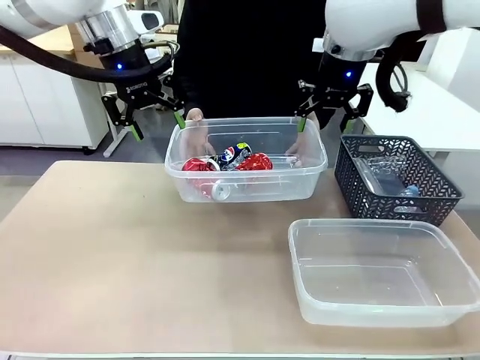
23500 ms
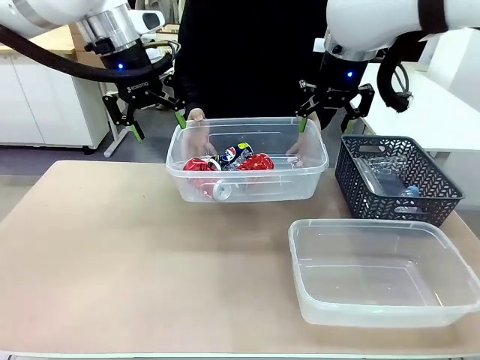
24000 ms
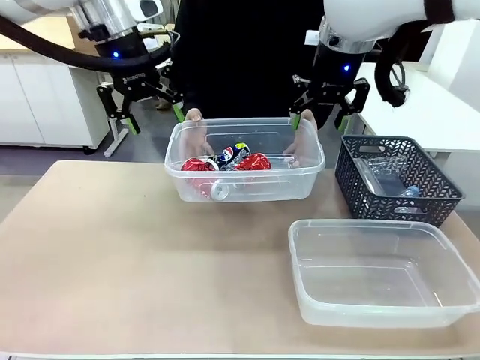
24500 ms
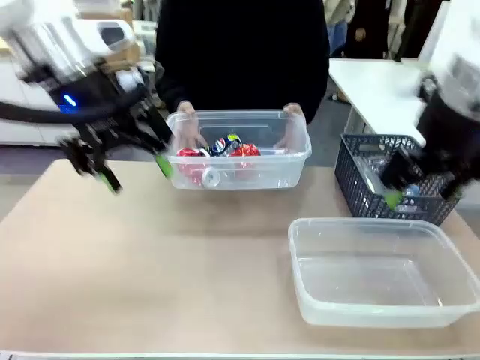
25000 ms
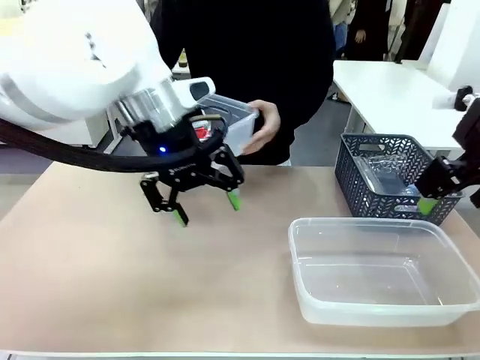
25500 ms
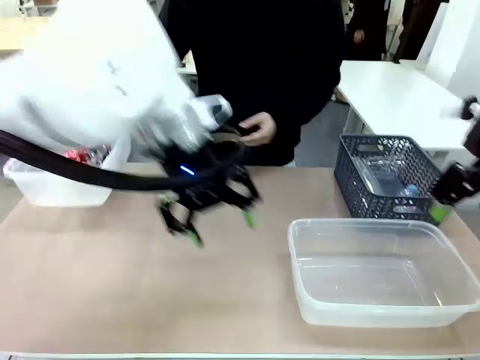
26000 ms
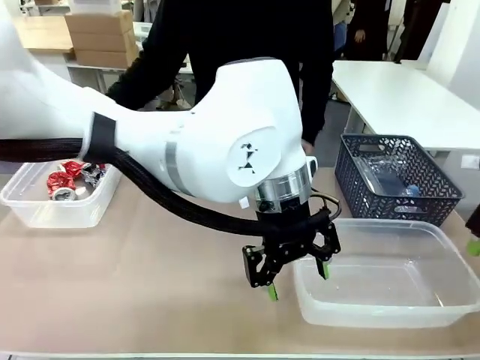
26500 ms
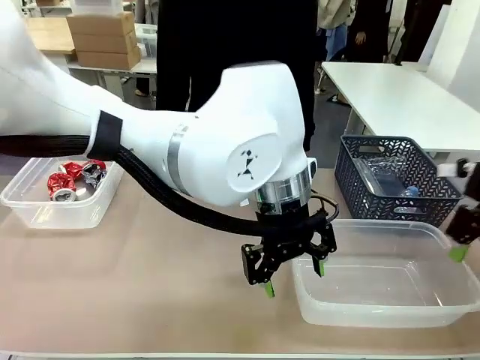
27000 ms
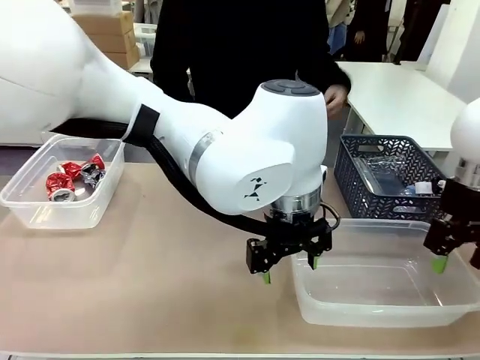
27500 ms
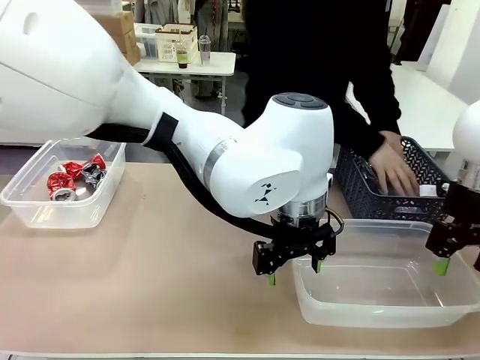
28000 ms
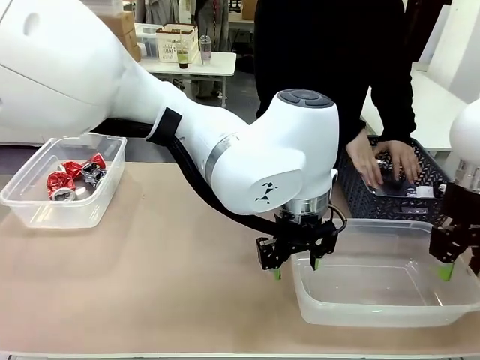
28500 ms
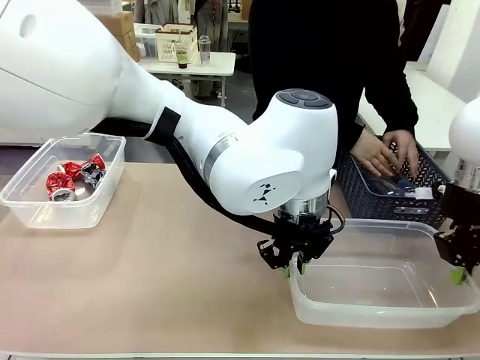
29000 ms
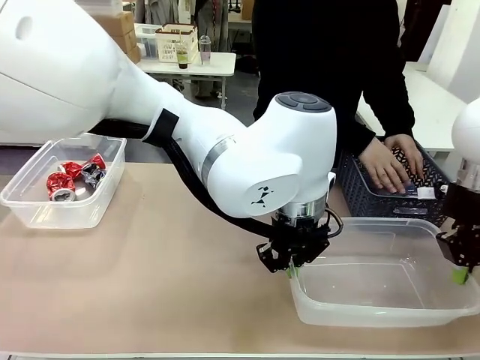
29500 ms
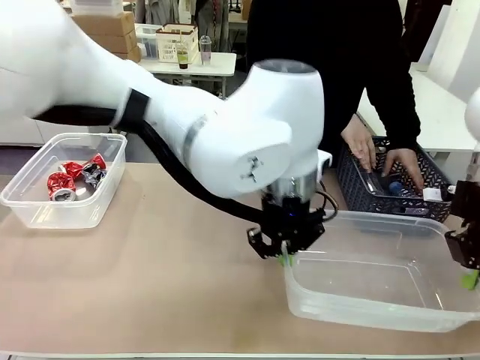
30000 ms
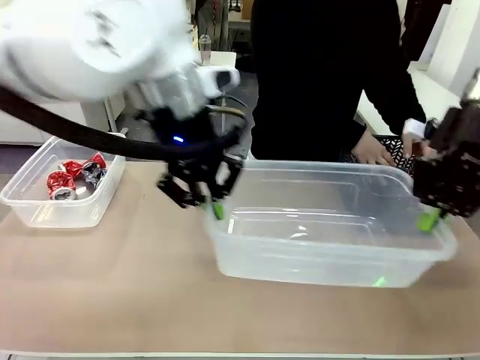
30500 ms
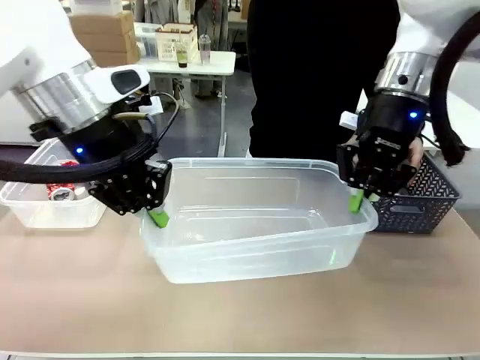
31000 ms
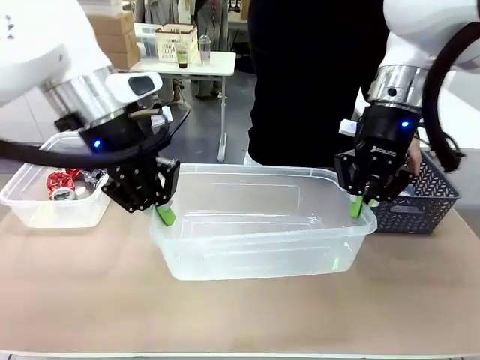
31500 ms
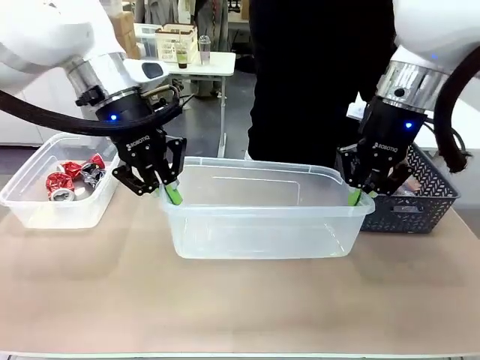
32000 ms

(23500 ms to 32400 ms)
Robot: Pick up the Organizing box on the right side of the table and lift it.
Person: Place it at the edge of the bottom right area of the robot table. Pick up plastic waste one by one and place it into the organizing box lifted by the robot.

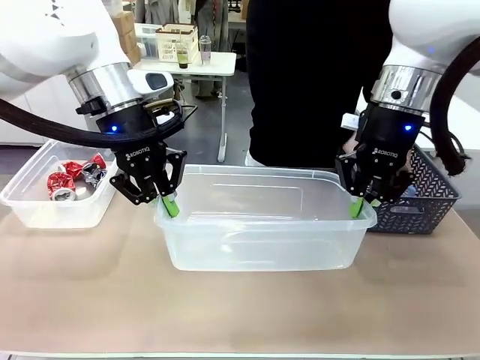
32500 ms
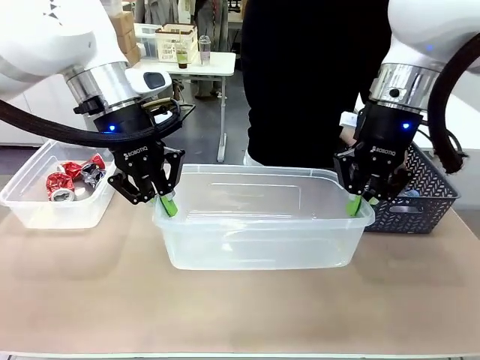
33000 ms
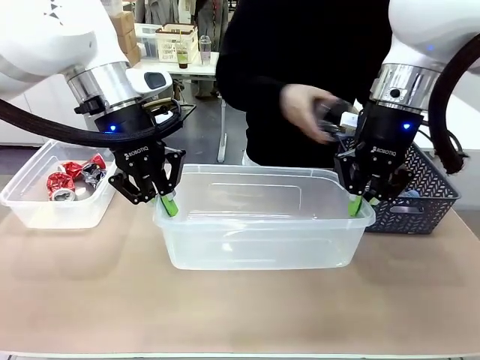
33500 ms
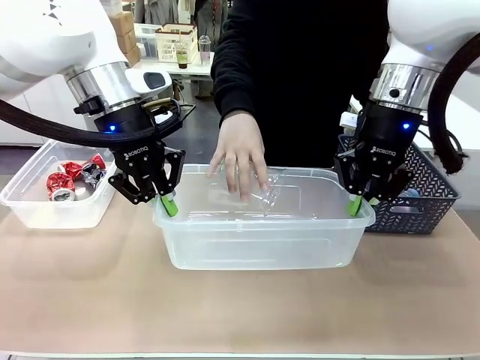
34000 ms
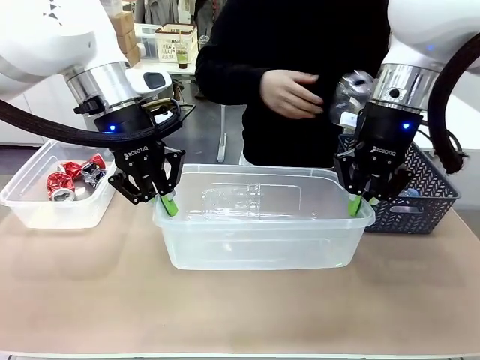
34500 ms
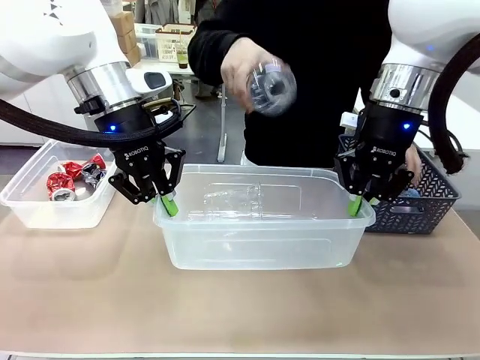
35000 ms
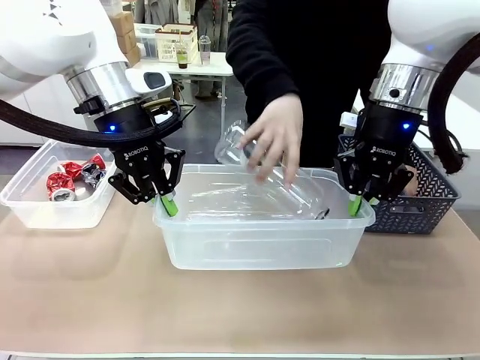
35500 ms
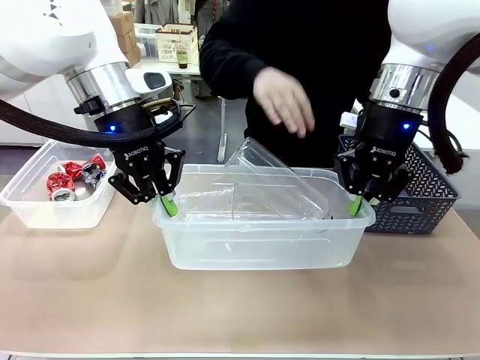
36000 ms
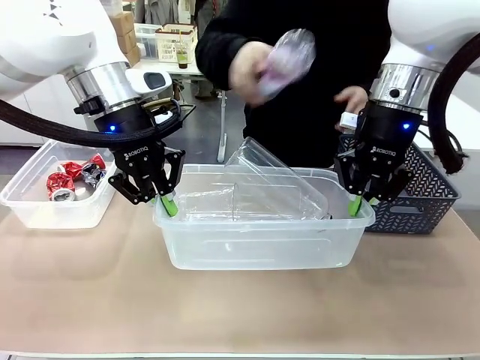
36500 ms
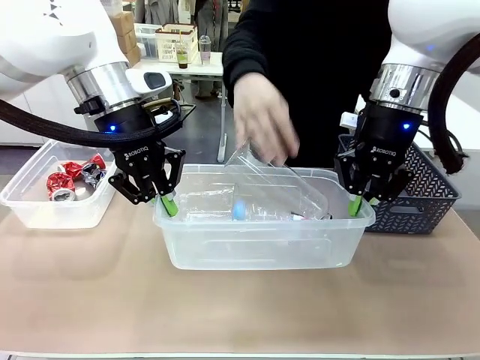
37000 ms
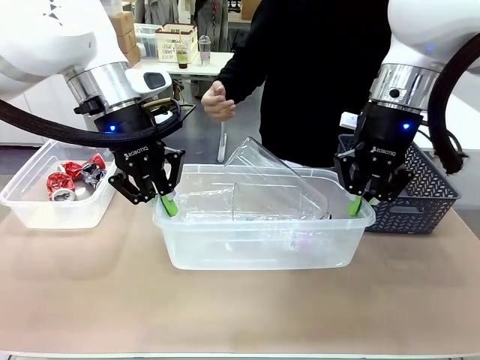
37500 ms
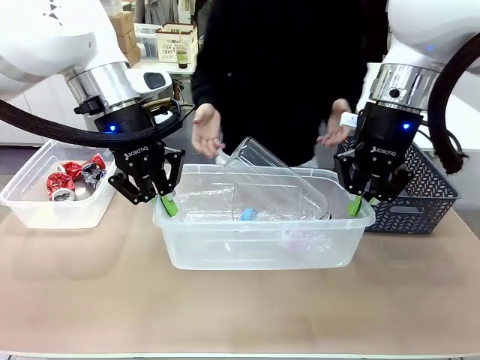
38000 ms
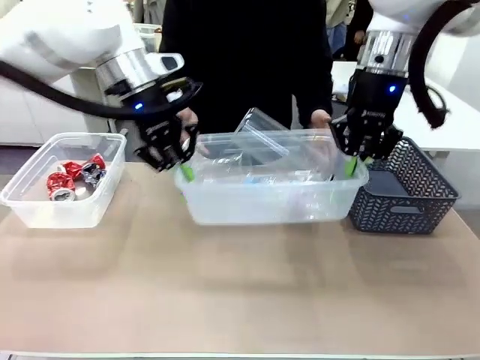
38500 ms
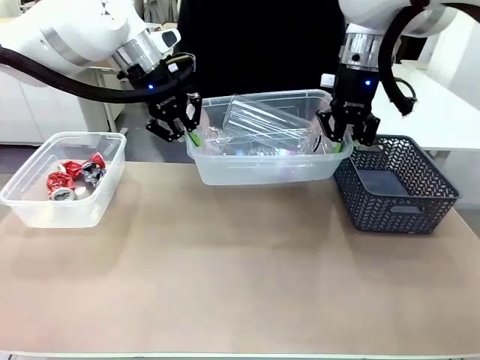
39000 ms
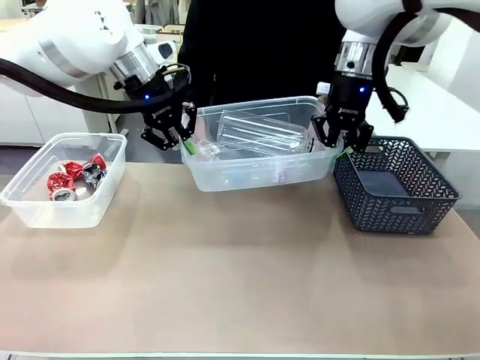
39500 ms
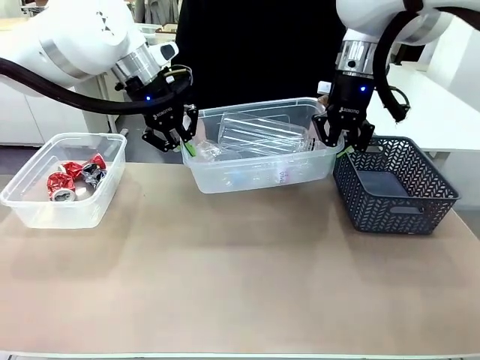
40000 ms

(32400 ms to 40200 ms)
Robot: Offer the picked Organizing box to the human.

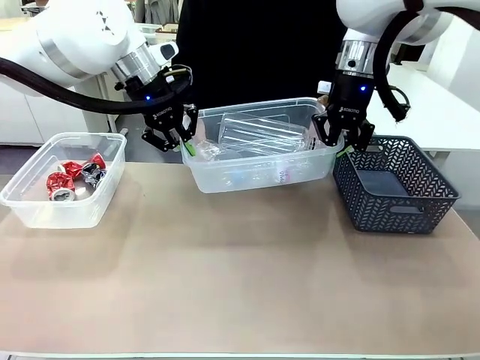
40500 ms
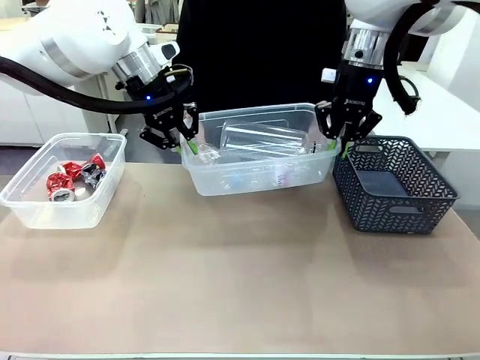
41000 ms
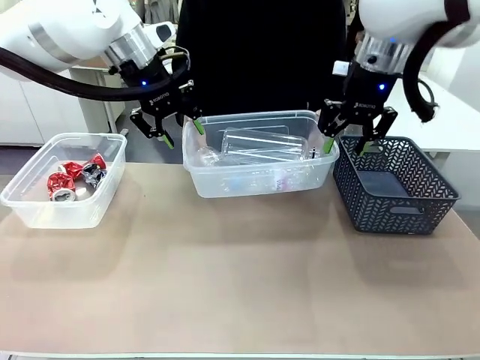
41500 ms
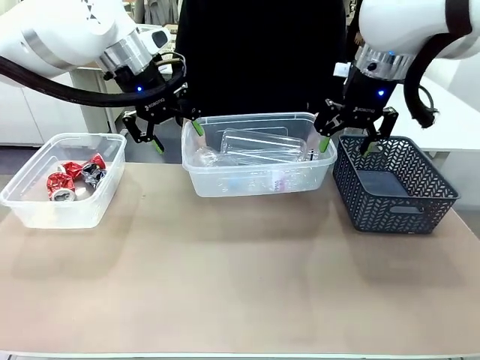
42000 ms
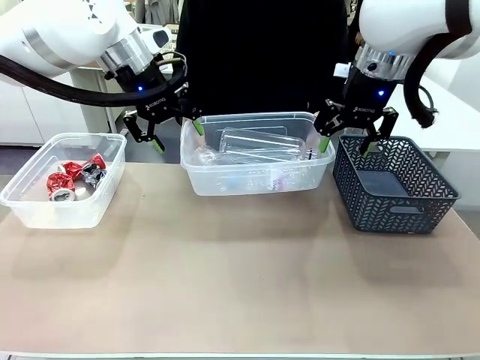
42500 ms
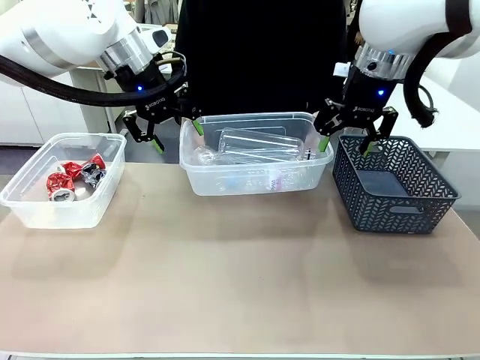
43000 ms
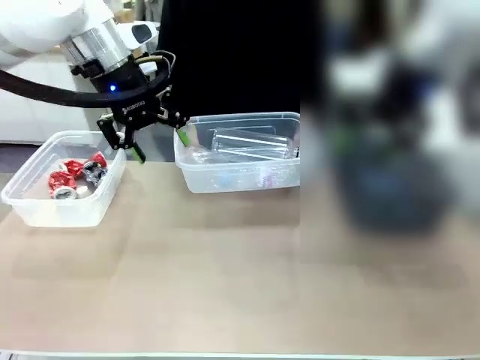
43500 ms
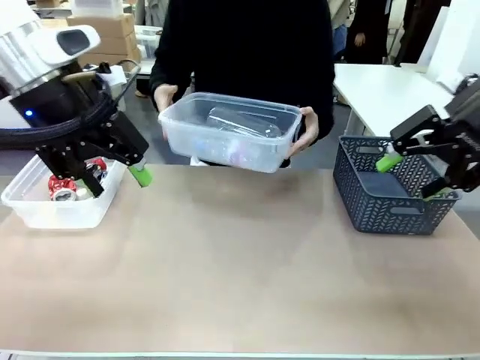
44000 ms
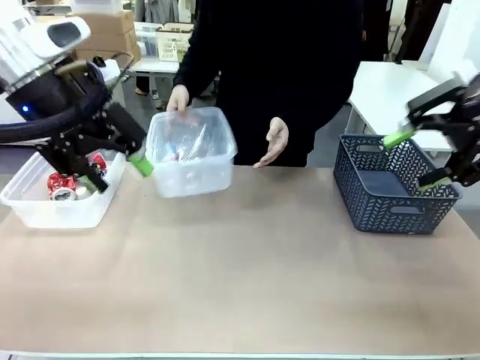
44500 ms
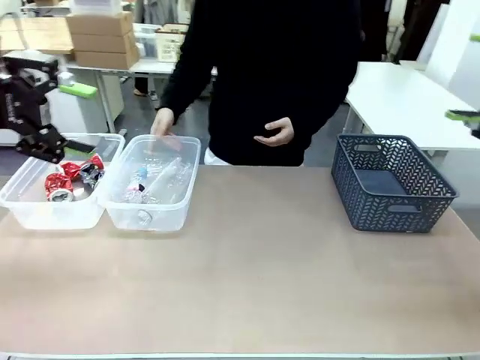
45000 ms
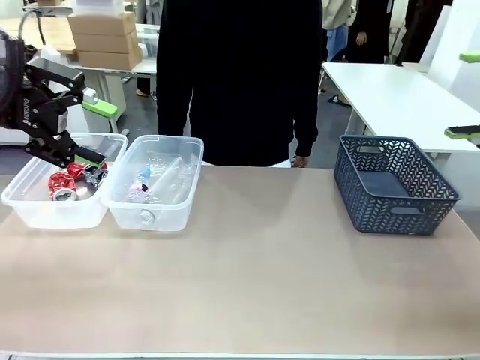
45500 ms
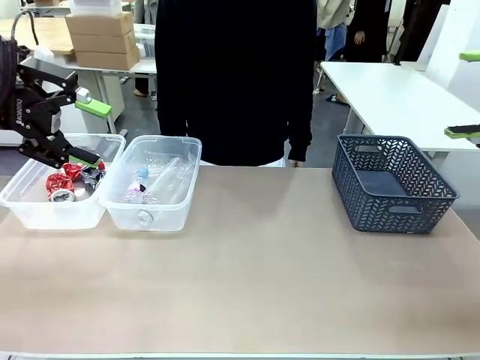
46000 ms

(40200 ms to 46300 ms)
Robot: Release the Organizing box you were holding.
Person: Pick up the organizing box extended by the robot. Place the organizing box to the left of the sorting box containing the can waste.
